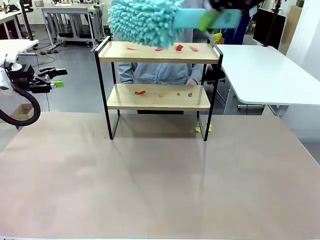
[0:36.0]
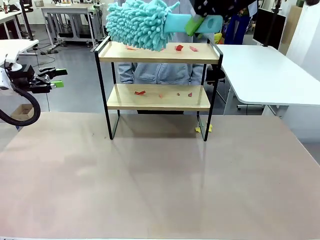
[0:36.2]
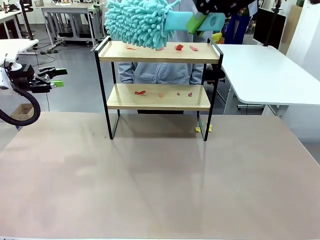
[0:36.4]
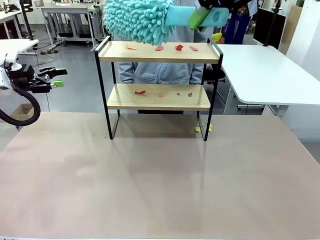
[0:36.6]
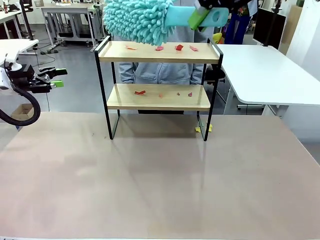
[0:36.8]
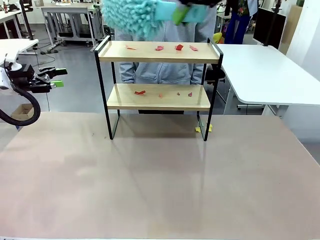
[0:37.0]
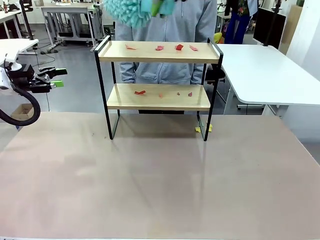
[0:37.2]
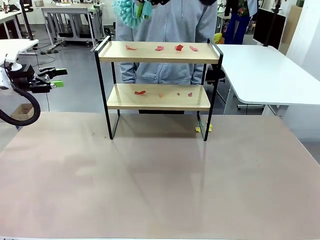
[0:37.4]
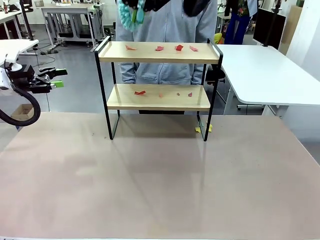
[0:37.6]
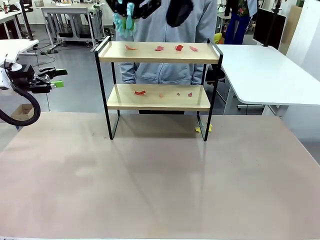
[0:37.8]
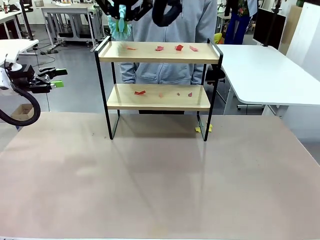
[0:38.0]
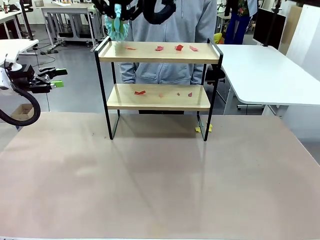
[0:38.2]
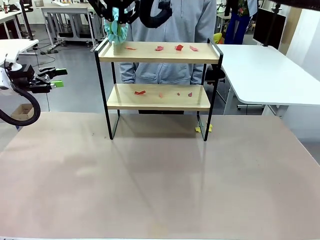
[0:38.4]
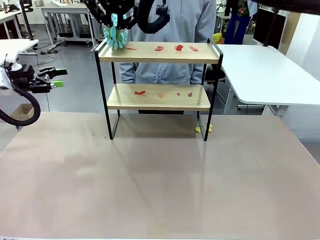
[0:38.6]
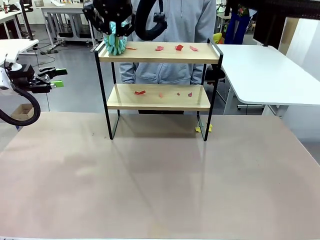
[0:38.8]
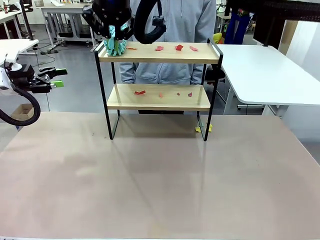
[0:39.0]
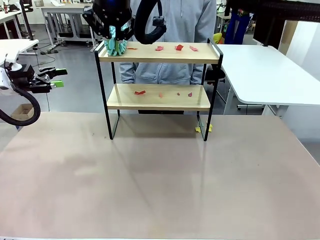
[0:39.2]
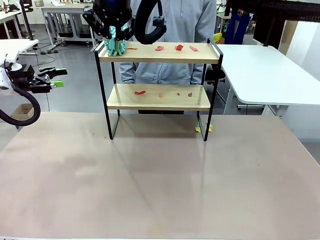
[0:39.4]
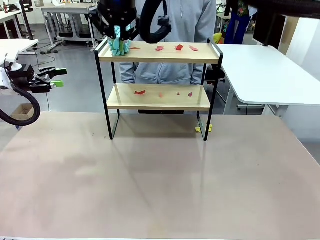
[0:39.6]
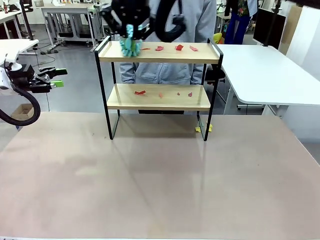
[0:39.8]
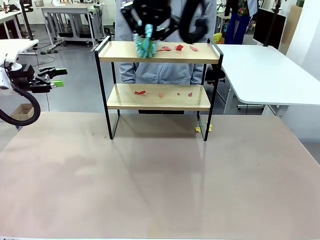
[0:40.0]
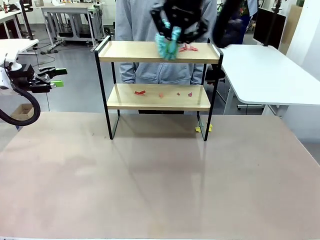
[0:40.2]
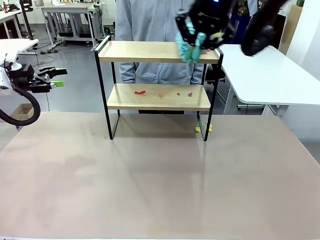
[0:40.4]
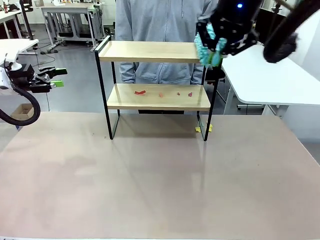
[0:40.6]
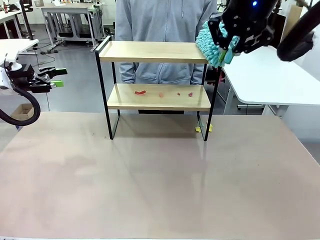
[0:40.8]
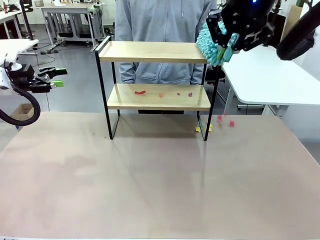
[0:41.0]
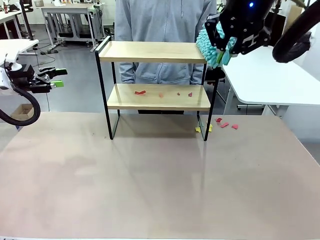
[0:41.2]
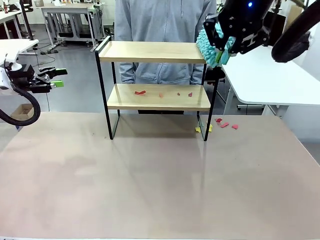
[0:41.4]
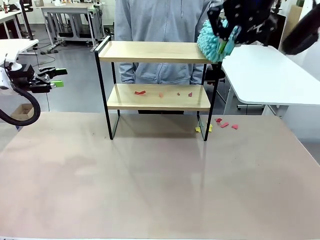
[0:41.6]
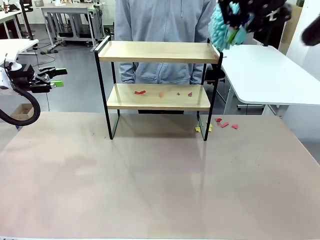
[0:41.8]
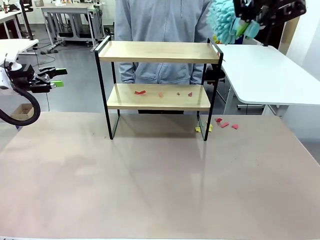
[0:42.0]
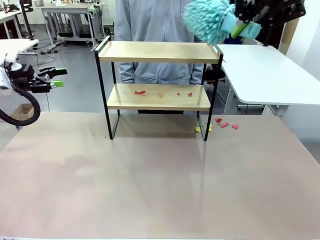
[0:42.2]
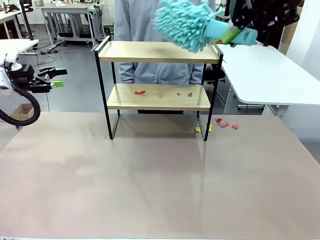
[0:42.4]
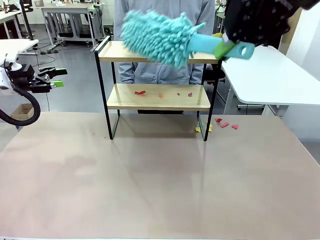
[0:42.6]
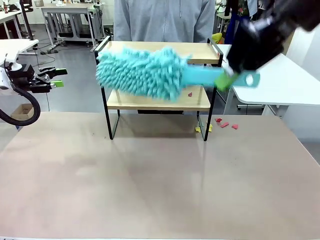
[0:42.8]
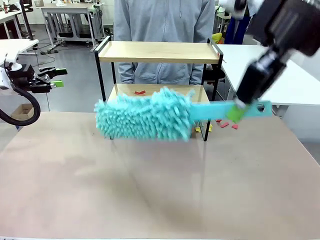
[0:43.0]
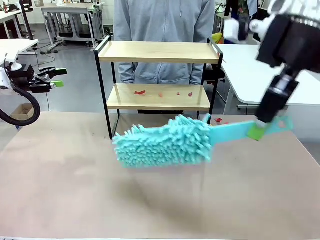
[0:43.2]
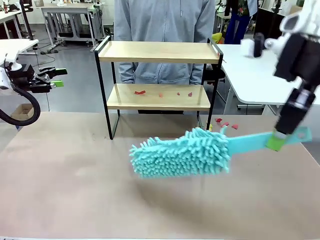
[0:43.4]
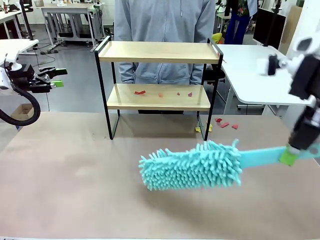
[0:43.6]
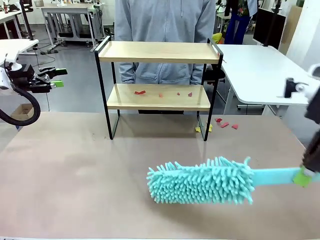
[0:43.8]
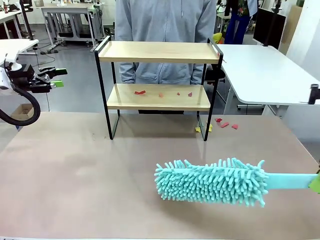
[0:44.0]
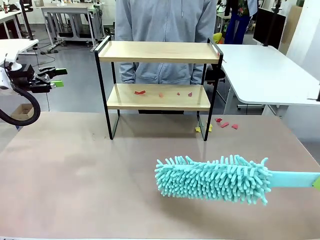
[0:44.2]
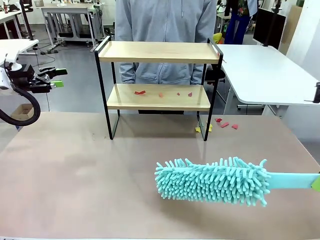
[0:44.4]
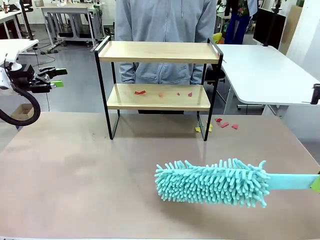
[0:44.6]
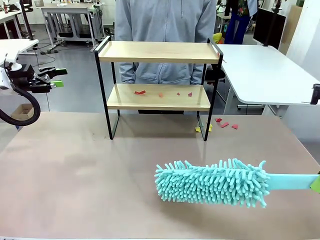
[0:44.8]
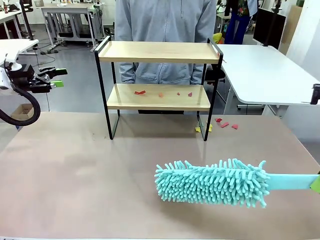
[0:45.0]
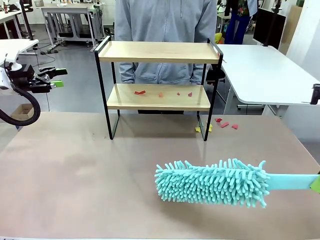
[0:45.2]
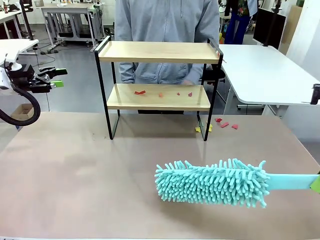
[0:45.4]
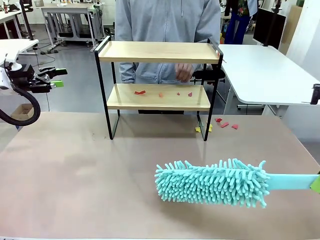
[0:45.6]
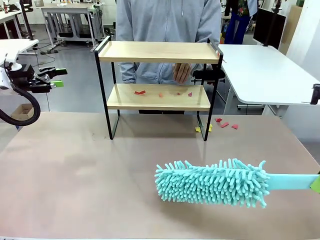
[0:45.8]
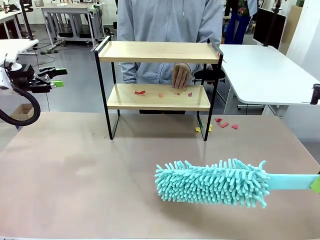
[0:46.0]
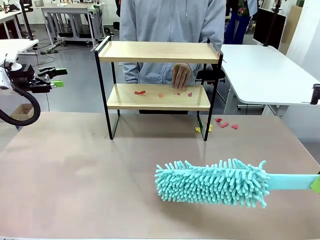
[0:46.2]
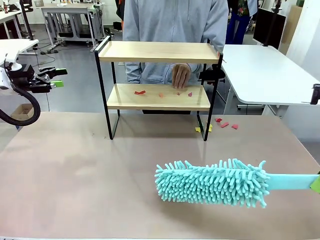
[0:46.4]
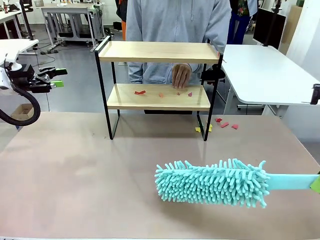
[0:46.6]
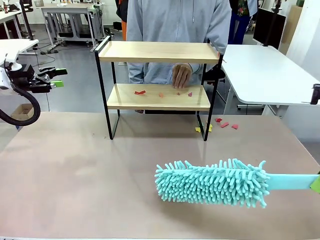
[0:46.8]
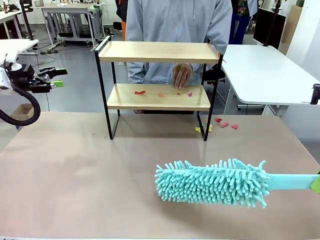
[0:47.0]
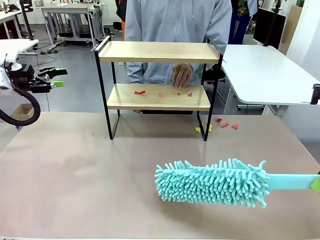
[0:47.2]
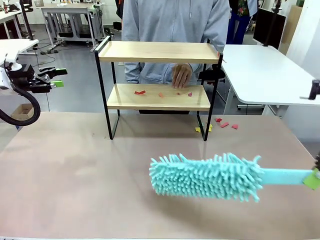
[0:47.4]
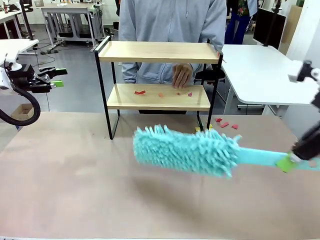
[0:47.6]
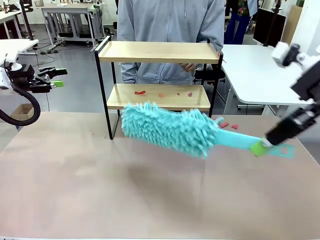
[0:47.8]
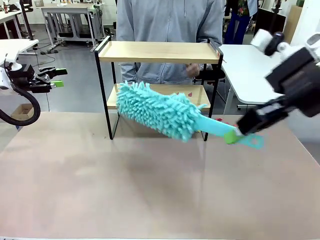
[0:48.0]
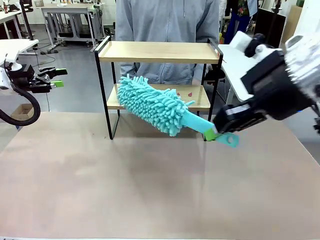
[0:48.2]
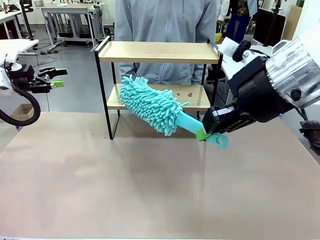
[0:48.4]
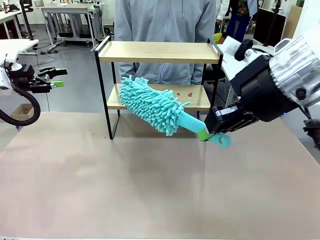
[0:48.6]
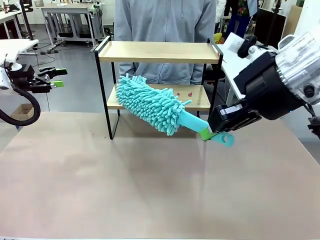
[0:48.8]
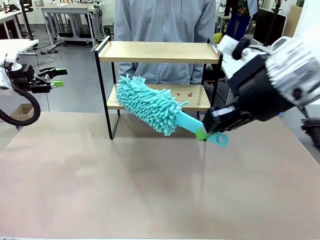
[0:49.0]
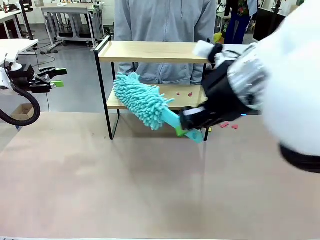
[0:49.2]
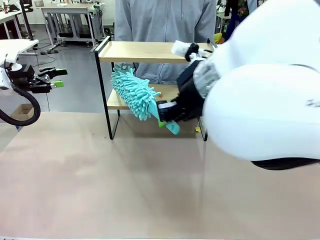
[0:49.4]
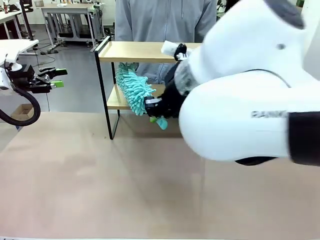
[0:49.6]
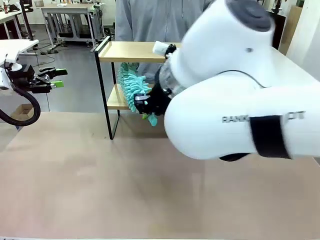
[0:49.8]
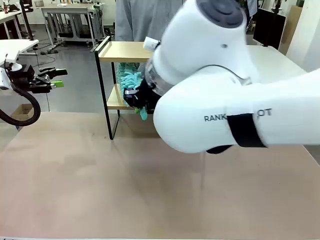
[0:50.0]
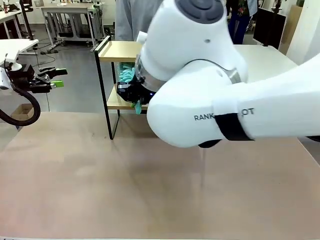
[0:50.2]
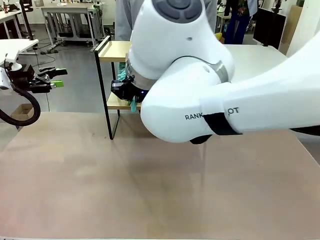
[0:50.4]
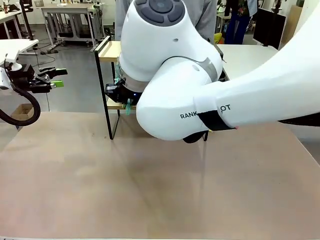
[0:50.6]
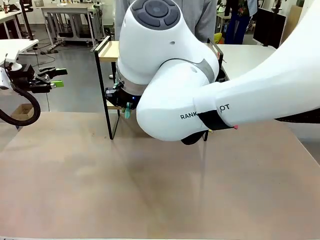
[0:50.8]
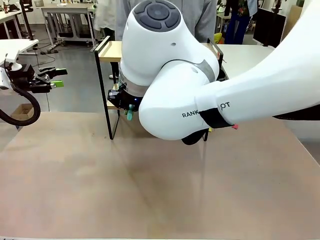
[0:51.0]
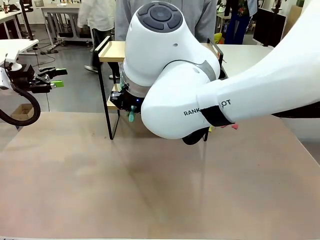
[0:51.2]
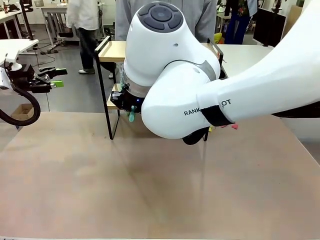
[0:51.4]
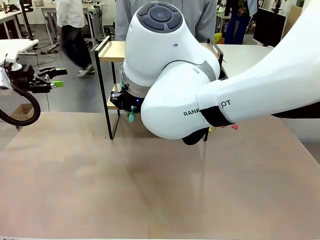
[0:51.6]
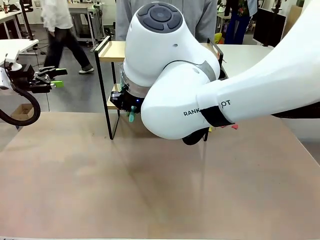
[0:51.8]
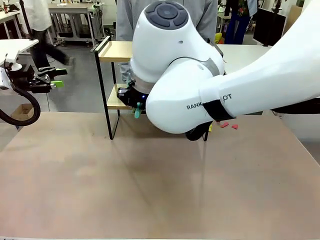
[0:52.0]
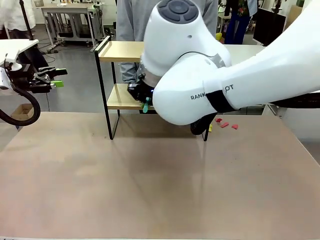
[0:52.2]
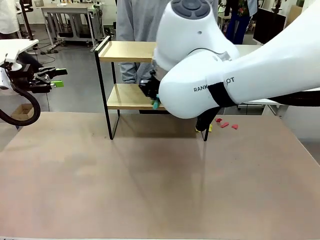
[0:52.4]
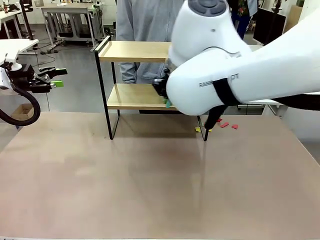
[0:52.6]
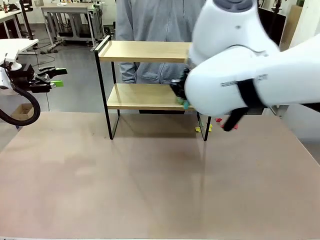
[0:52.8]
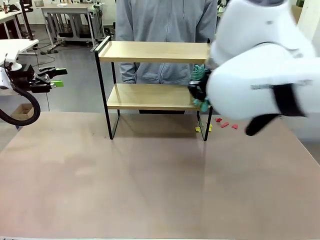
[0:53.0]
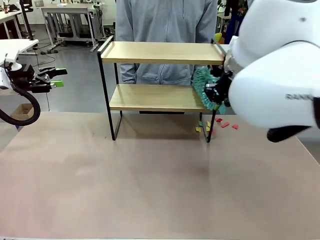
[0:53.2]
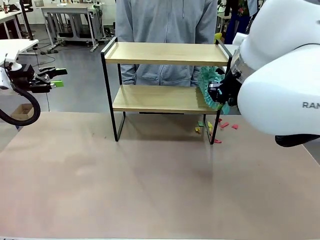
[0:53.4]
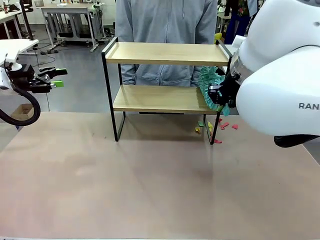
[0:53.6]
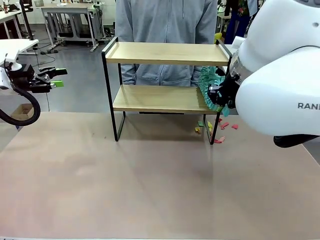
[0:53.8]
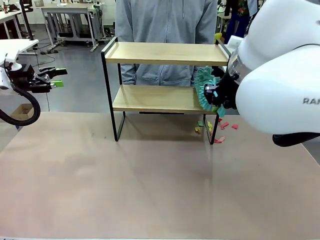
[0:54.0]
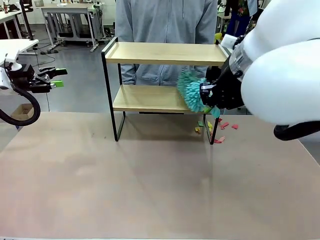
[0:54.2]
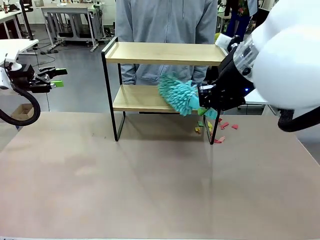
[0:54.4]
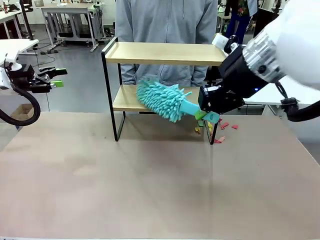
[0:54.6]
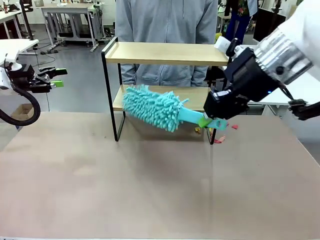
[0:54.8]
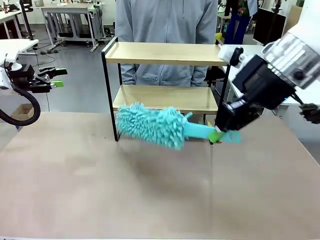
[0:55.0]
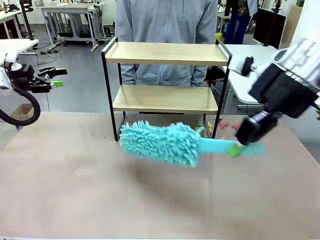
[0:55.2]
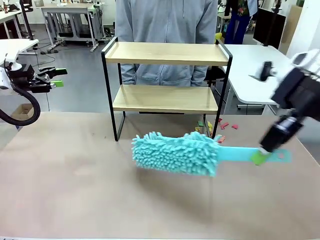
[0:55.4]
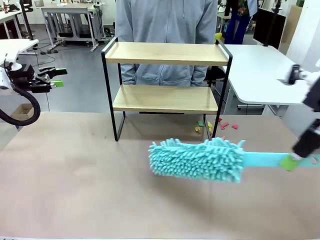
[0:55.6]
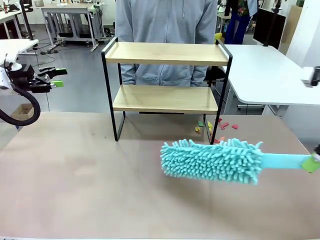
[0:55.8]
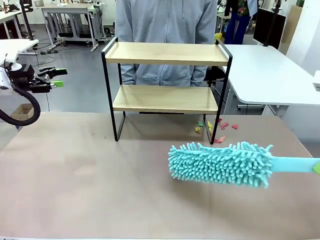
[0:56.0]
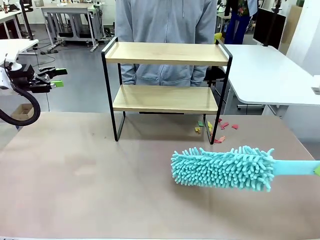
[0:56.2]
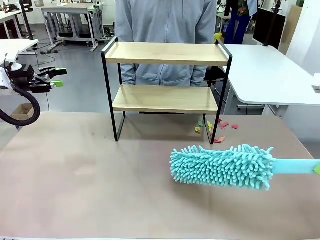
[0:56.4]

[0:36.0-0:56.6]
Task: Clean the shelf.
Robot: Clean the specific section of the Shelf indicated by the human with the Duster.
Person: Point a remaining section of the Shelf.
